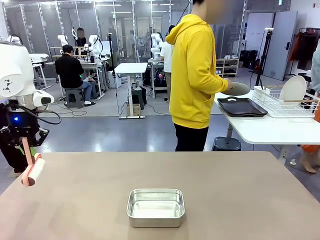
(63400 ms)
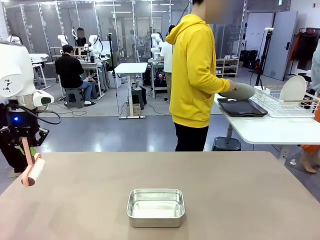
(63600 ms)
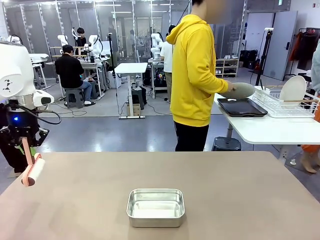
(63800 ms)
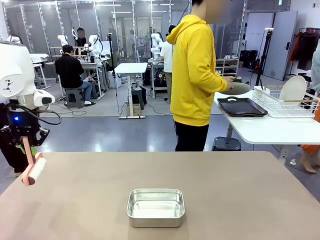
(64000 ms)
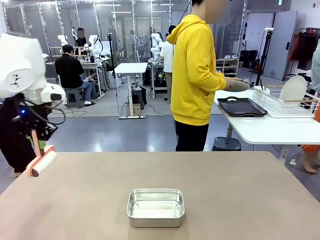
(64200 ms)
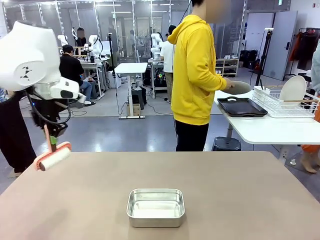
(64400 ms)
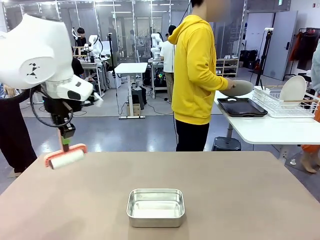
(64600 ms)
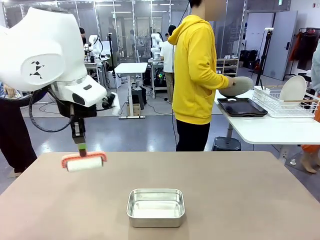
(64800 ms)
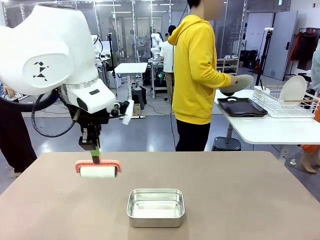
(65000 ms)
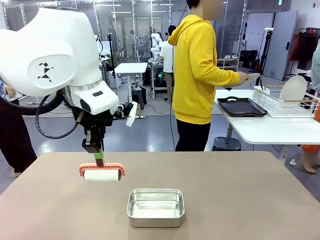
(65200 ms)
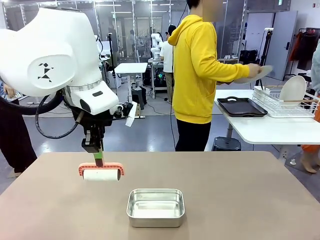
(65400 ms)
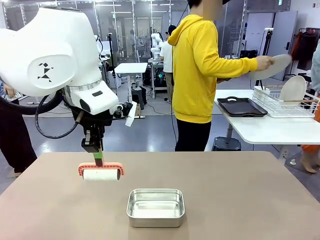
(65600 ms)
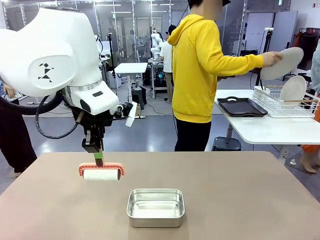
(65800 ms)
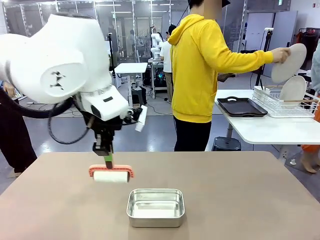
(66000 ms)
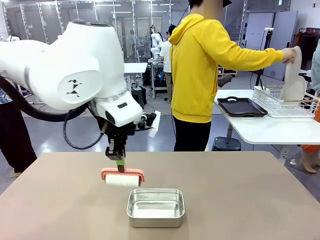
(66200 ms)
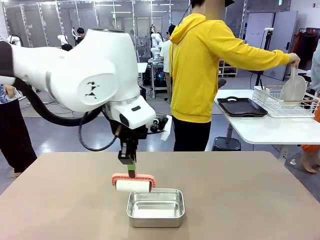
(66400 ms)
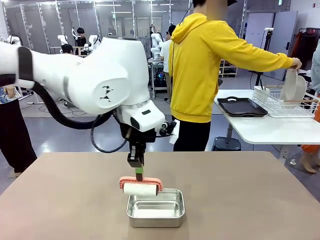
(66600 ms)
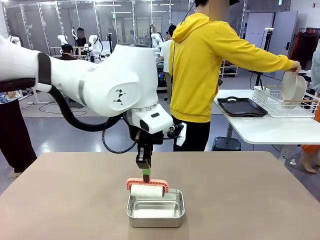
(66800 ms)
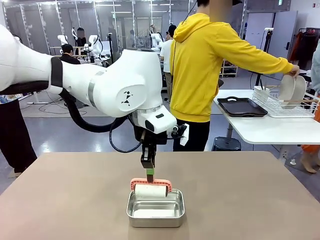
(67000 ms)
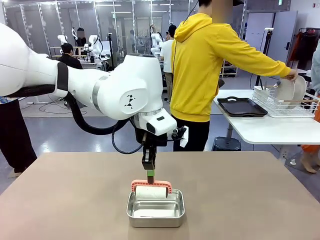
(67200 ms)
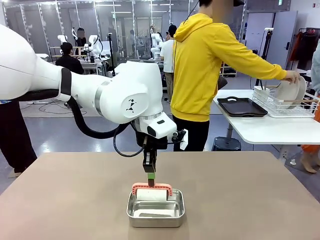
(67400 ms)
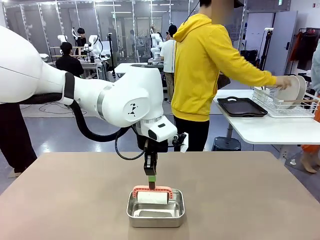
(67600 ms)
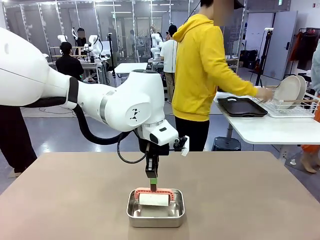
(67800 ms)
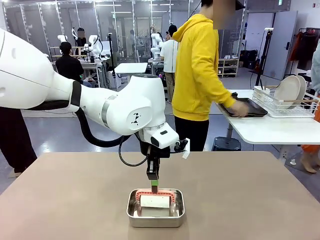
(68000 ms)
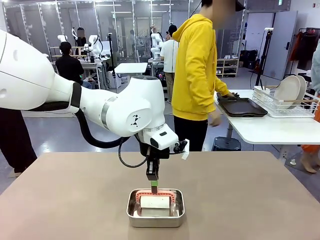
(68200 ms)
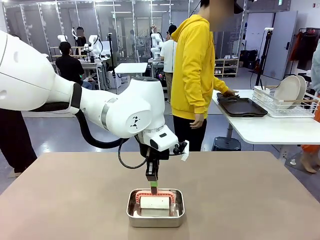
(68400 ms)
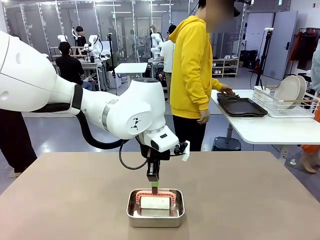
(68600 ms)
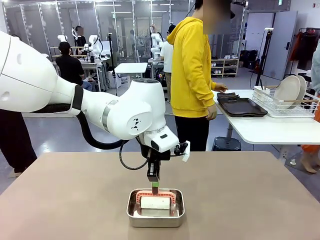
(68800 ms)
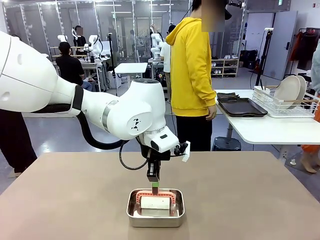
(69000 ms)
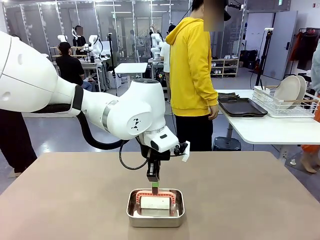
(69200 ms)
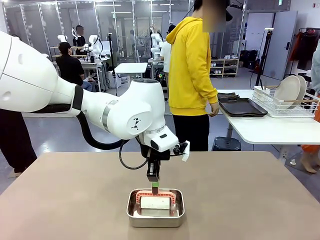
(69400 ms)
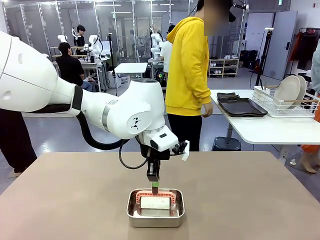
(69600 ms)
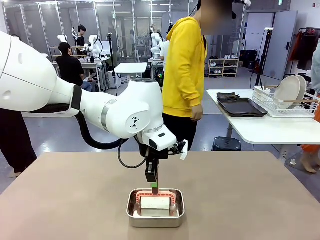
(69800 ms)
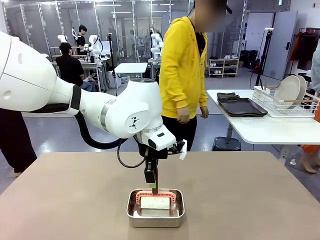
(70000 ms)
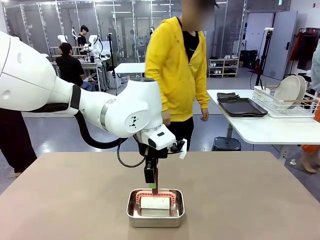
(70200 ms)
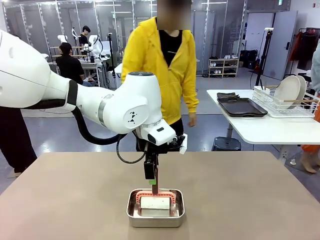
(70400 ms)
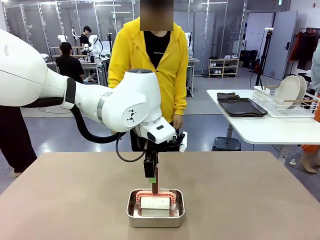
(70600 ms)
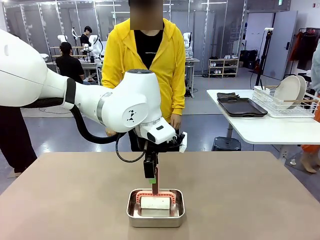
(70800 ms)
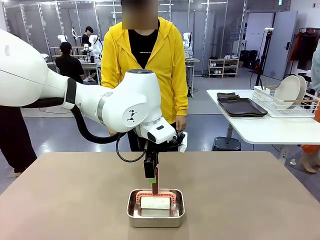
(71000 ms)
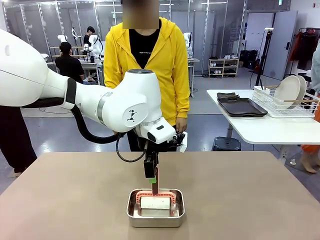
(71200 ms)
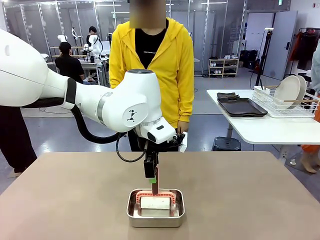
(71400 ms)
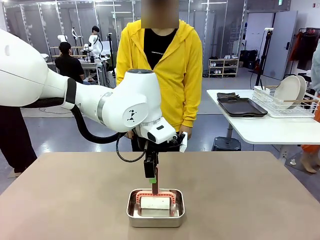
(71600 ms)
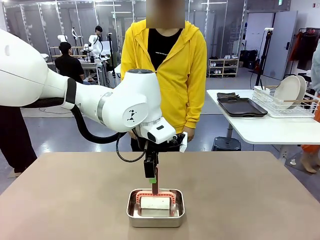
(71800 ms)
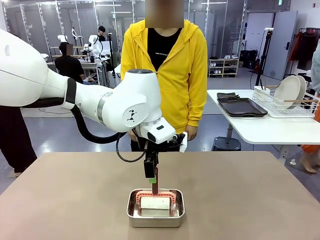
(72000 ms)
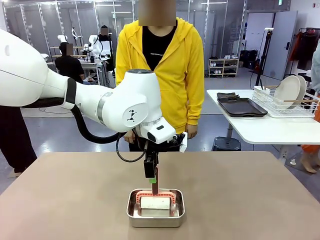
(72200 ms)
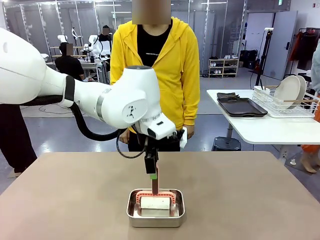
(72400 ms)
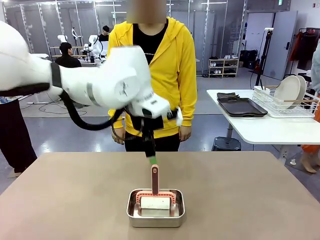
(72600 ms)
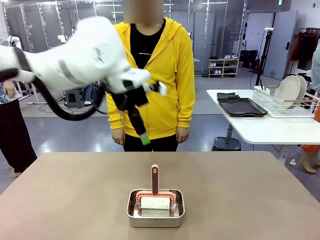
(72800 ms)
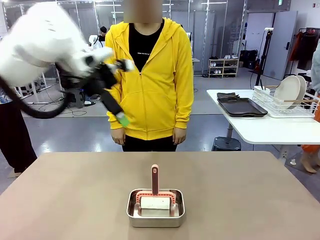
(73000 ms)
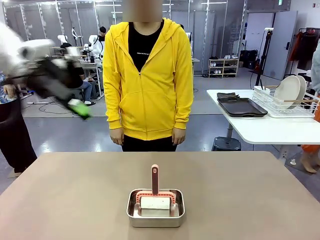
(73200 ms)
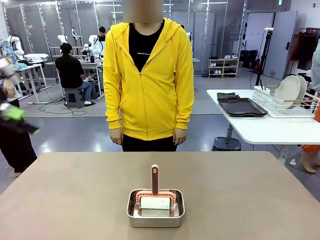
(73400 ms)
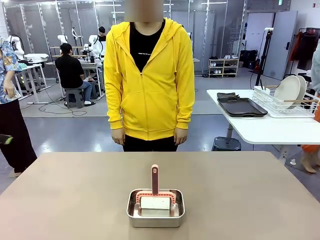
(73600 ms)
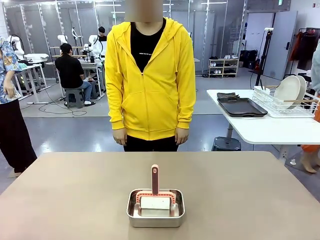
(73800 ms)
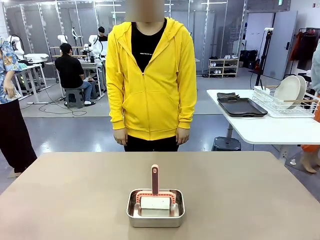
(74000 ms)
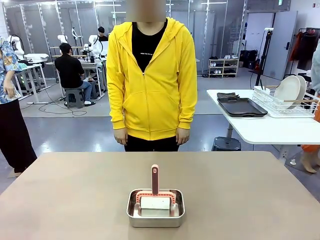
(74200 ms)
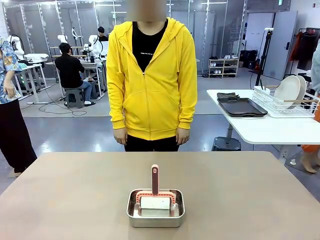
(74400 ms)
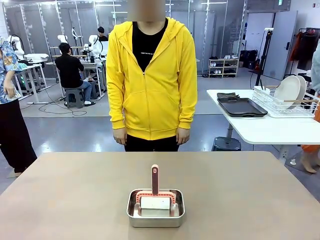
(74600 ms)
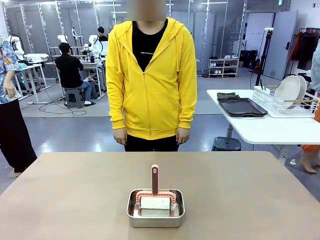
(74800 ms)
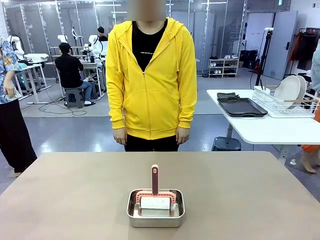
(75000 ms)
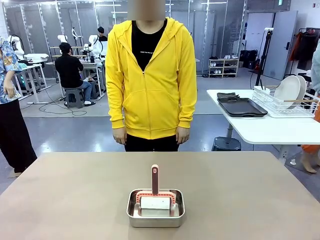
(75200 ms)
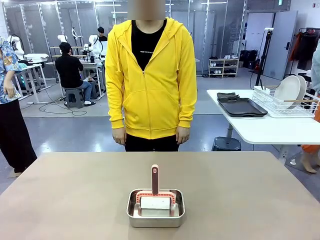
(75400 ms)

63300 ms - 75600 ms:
Robot: Place the Lint Roller back on top of the Airtight Container.

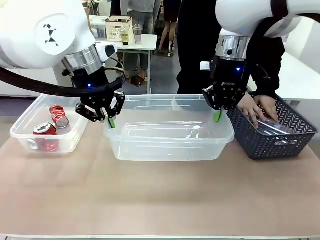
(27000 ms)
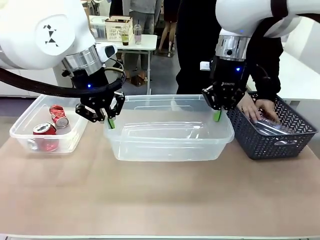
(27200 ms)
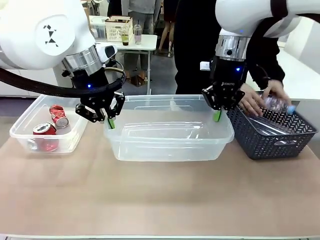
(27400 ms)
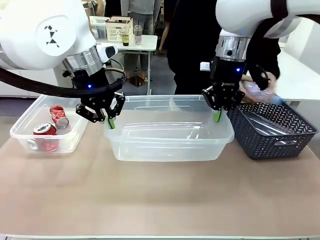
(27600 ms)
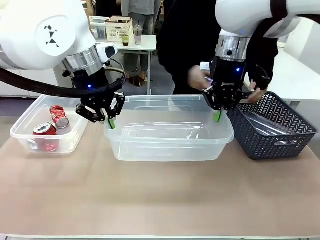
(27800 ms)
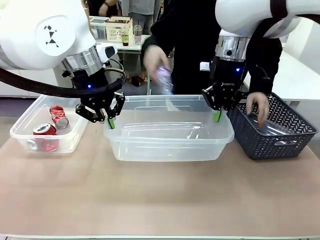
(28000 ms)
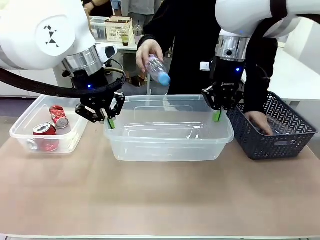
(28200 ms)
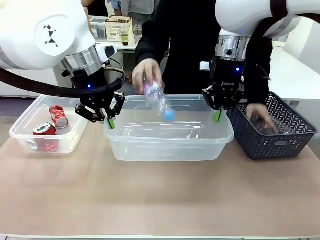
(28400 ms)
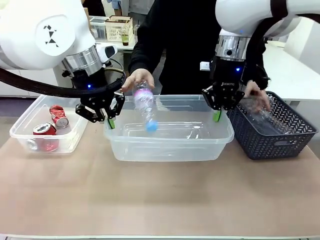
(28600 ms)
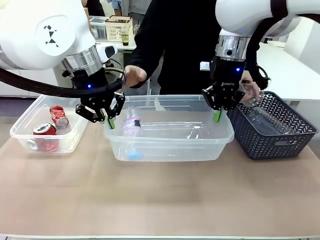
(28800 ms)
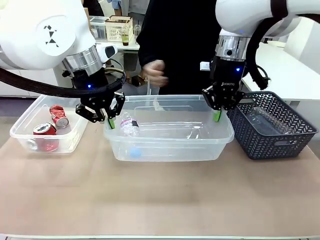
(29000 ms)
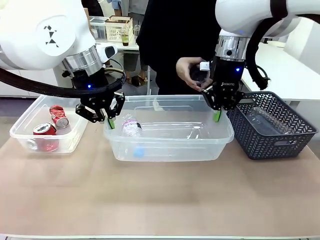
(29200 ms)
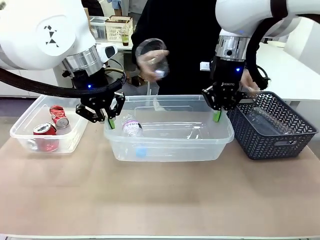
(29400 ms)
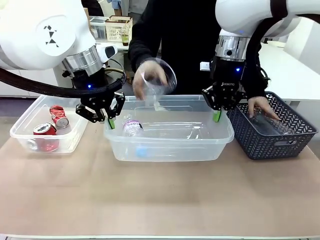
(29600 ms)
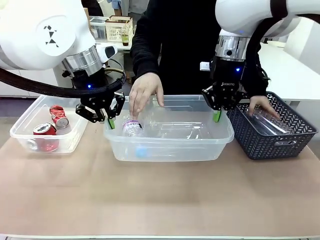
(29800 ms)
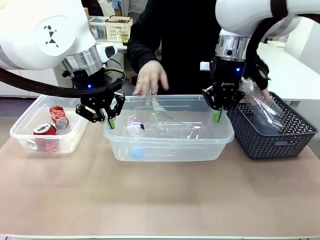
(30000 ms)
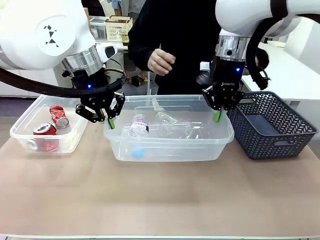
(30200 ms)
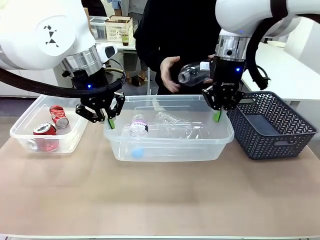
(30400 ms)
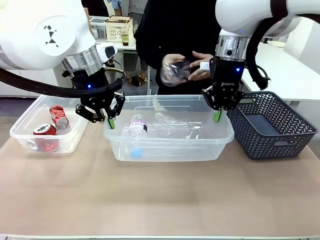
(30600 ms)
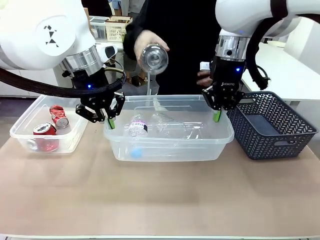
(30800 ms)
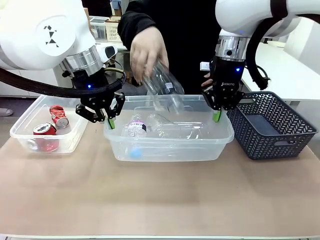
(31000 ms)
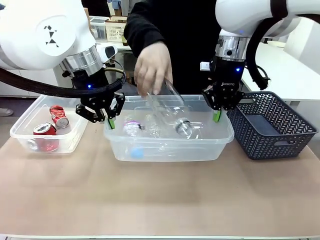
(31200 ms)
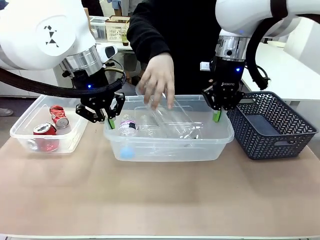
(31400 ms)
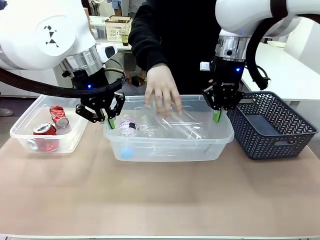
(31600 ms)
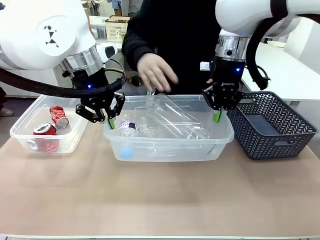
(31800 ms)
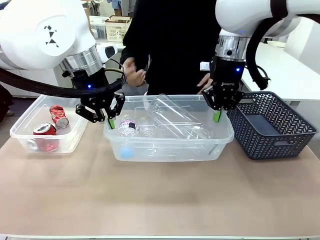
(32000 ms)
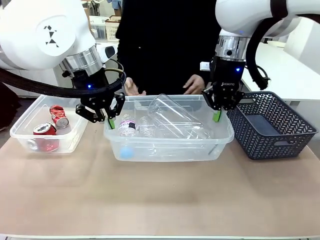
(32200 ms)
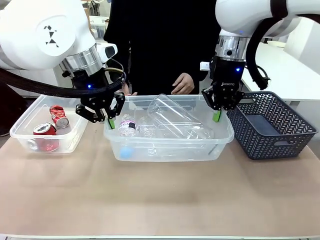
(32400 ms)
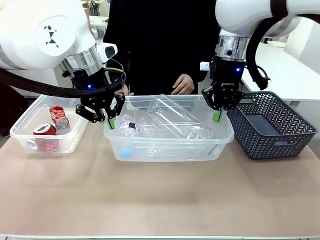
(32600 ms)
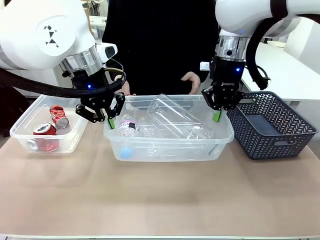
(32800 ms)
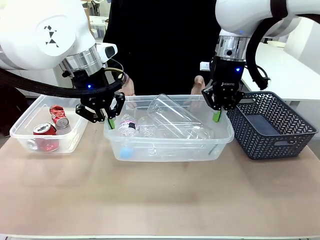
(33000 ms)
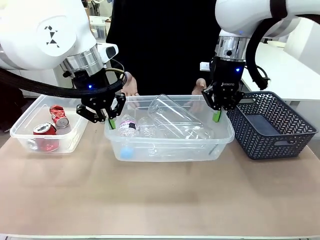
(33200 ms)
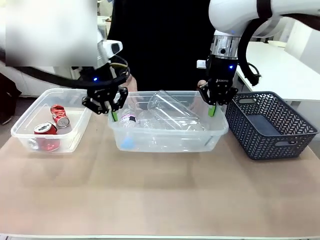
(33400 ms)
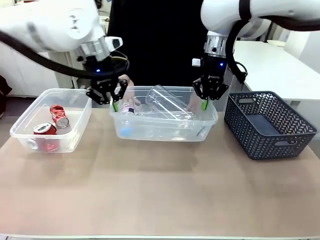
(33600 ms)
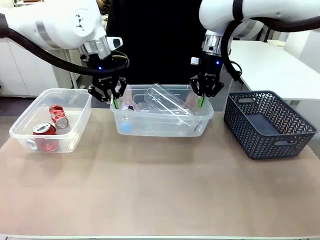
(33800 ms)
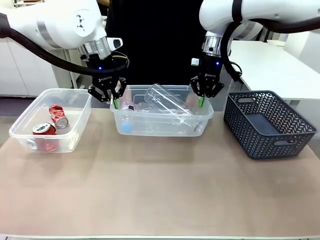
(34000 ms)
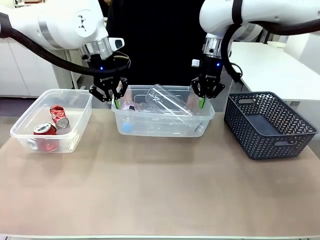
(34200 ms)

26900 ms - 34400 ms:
Robot: Offer the picked Organizing box to the human.
Person: Pick up plastic waste one by one and place it into the organizing box lifted by the robot.
